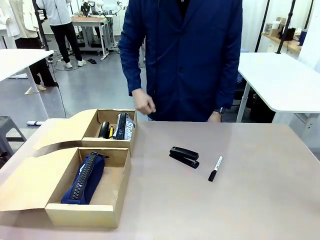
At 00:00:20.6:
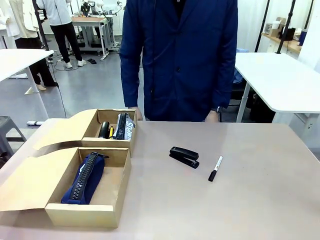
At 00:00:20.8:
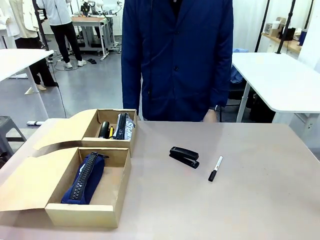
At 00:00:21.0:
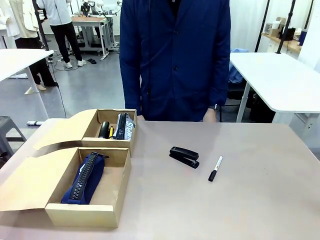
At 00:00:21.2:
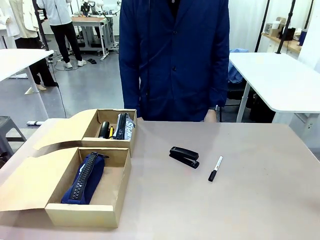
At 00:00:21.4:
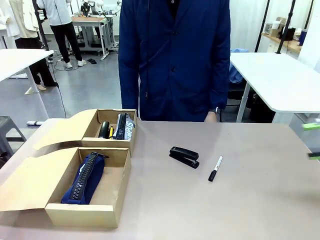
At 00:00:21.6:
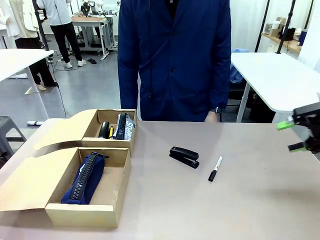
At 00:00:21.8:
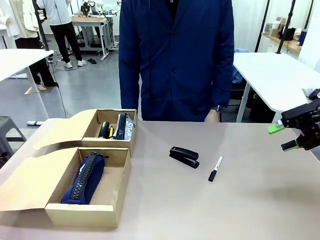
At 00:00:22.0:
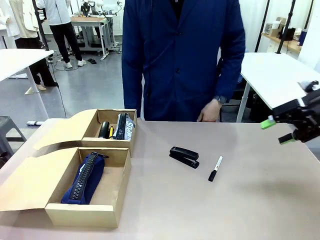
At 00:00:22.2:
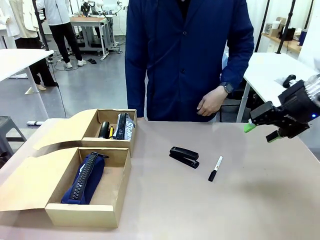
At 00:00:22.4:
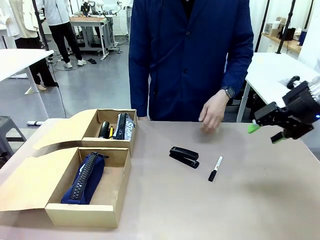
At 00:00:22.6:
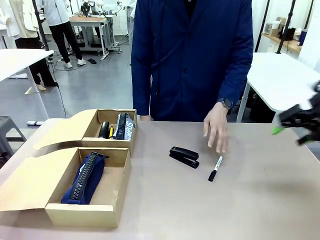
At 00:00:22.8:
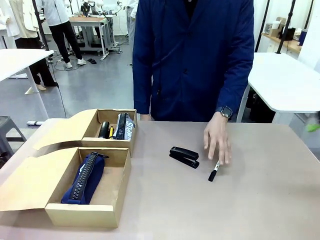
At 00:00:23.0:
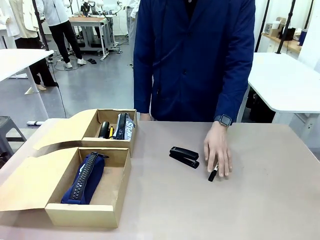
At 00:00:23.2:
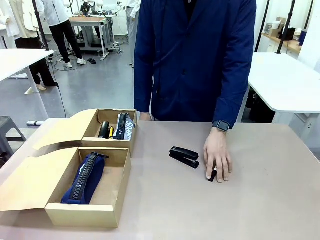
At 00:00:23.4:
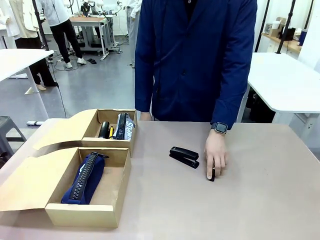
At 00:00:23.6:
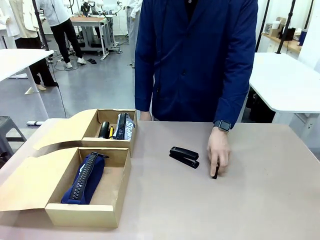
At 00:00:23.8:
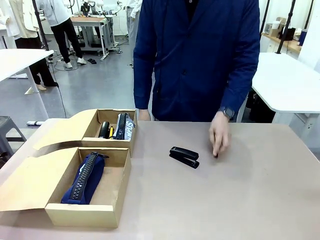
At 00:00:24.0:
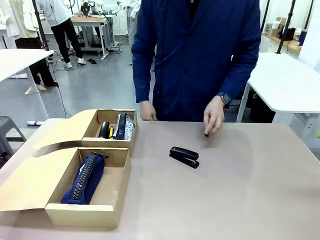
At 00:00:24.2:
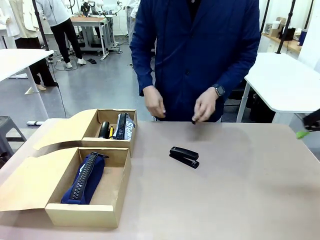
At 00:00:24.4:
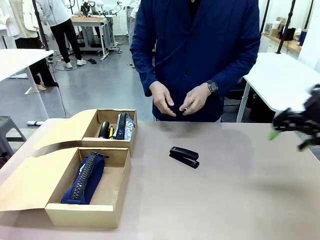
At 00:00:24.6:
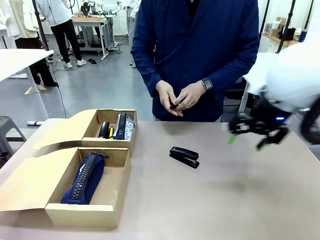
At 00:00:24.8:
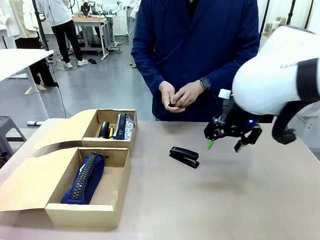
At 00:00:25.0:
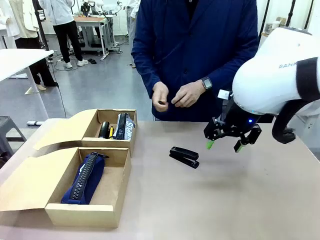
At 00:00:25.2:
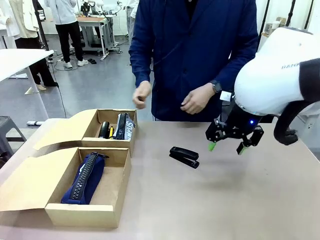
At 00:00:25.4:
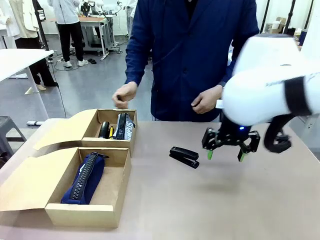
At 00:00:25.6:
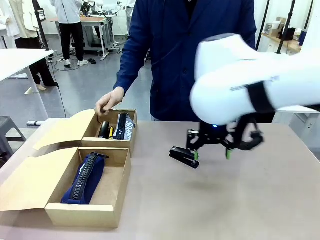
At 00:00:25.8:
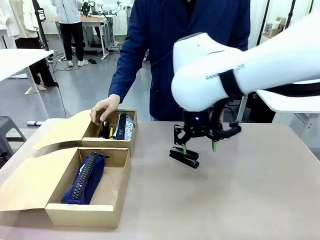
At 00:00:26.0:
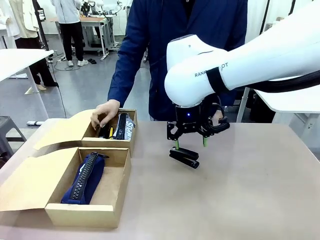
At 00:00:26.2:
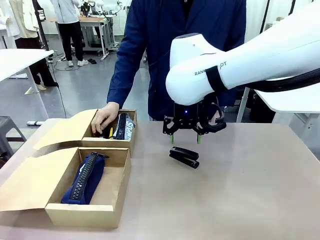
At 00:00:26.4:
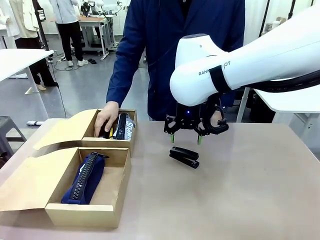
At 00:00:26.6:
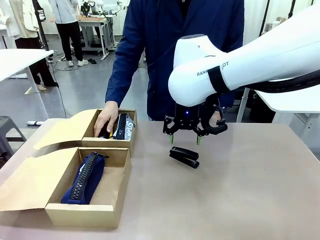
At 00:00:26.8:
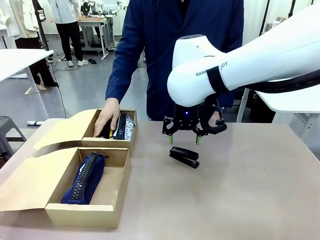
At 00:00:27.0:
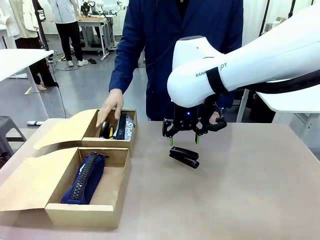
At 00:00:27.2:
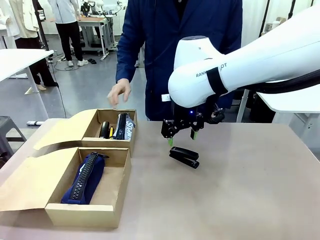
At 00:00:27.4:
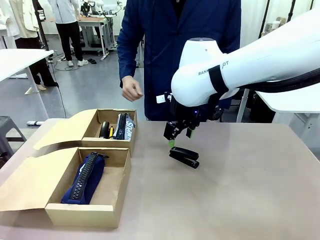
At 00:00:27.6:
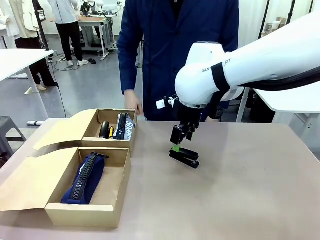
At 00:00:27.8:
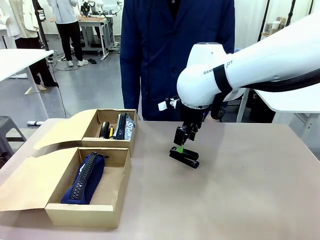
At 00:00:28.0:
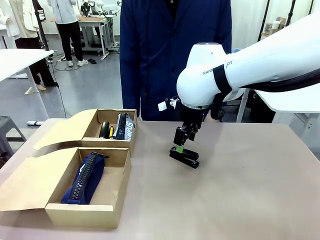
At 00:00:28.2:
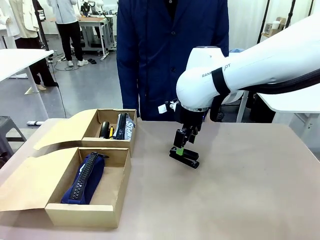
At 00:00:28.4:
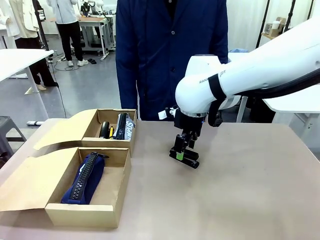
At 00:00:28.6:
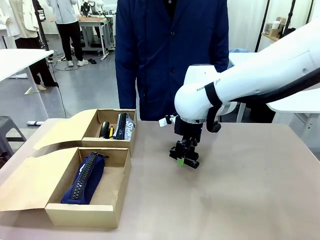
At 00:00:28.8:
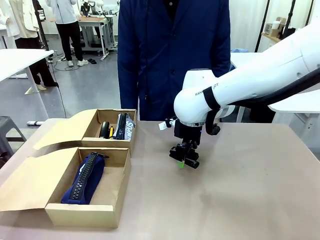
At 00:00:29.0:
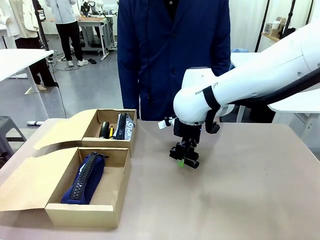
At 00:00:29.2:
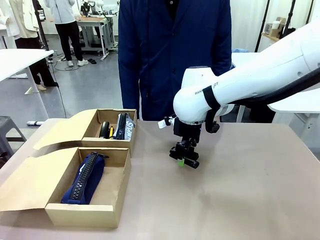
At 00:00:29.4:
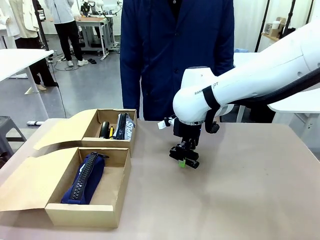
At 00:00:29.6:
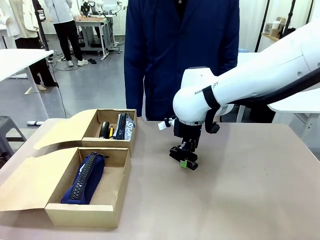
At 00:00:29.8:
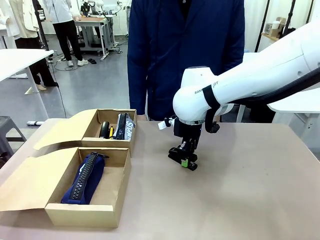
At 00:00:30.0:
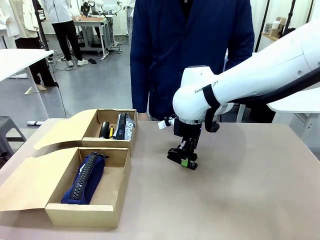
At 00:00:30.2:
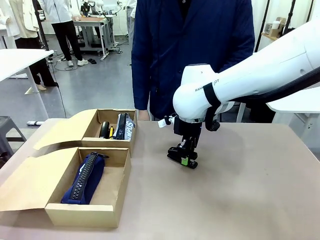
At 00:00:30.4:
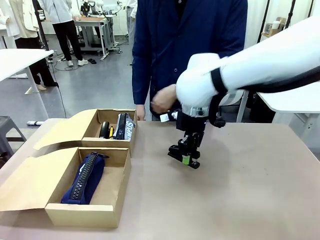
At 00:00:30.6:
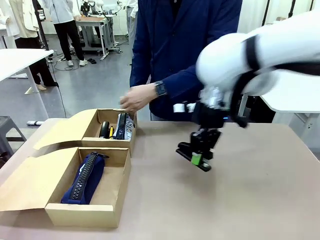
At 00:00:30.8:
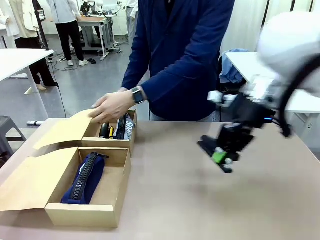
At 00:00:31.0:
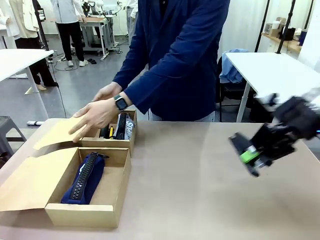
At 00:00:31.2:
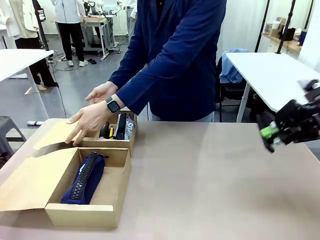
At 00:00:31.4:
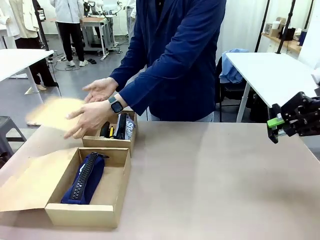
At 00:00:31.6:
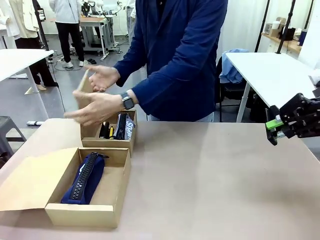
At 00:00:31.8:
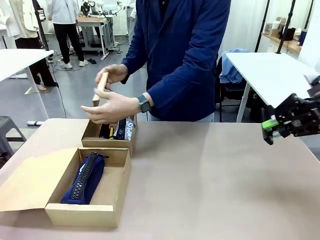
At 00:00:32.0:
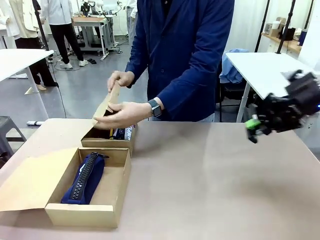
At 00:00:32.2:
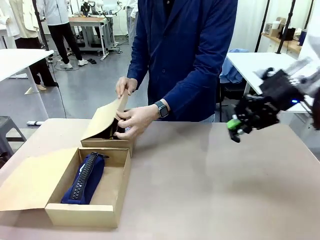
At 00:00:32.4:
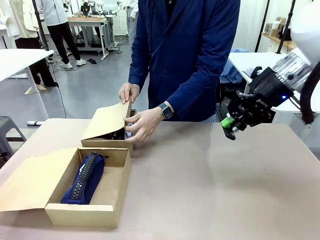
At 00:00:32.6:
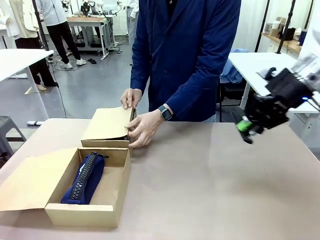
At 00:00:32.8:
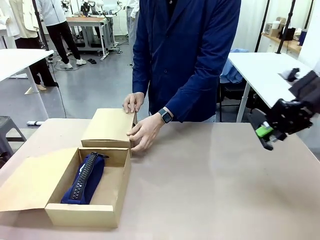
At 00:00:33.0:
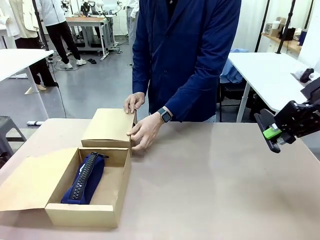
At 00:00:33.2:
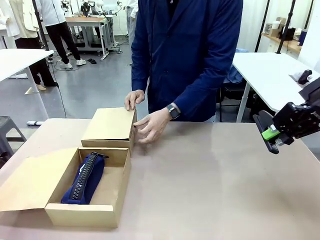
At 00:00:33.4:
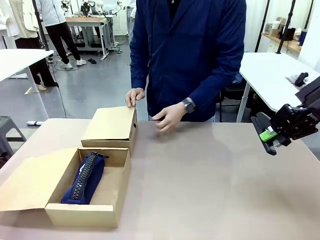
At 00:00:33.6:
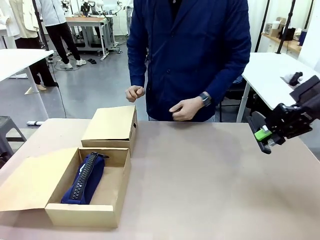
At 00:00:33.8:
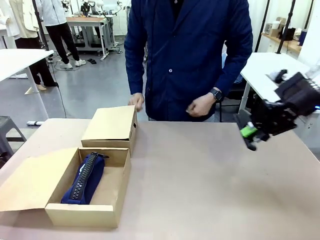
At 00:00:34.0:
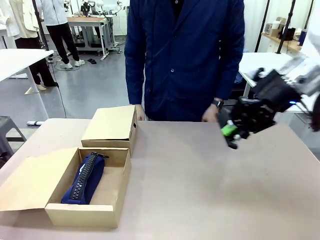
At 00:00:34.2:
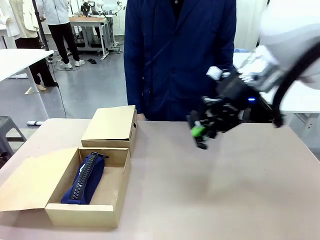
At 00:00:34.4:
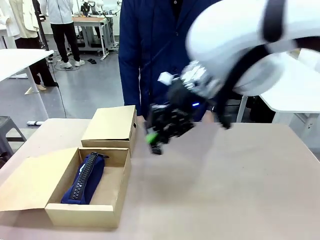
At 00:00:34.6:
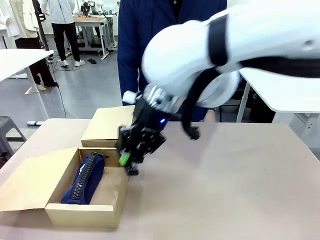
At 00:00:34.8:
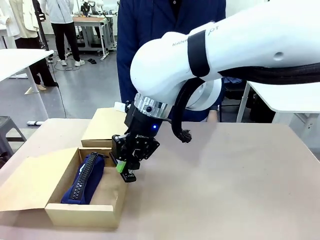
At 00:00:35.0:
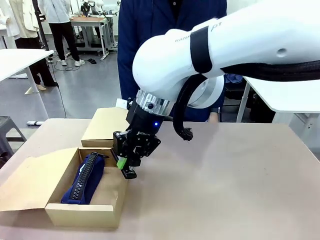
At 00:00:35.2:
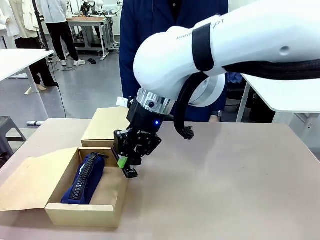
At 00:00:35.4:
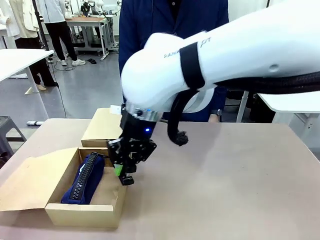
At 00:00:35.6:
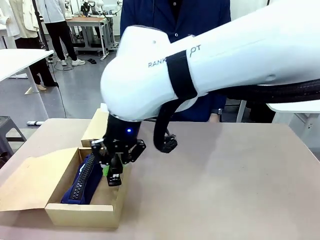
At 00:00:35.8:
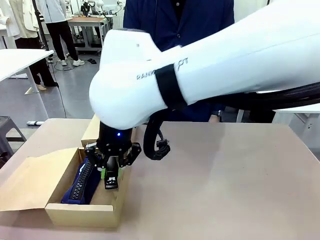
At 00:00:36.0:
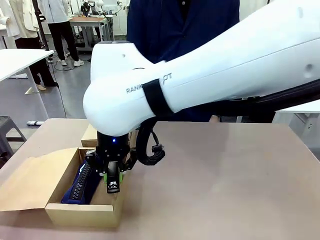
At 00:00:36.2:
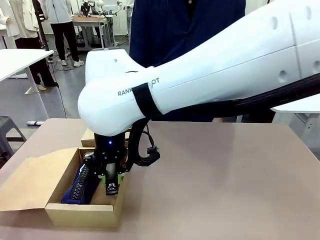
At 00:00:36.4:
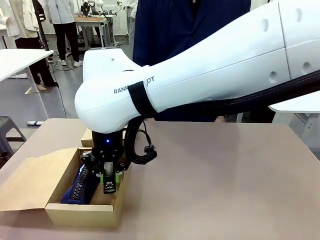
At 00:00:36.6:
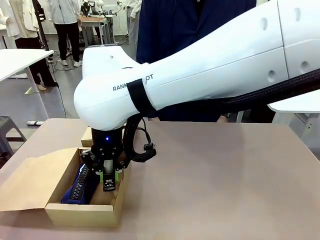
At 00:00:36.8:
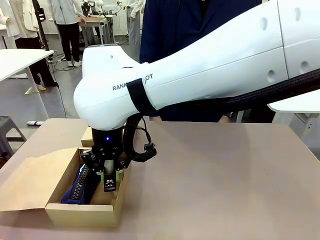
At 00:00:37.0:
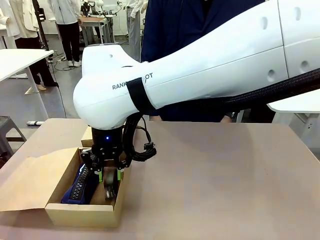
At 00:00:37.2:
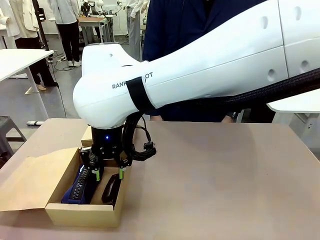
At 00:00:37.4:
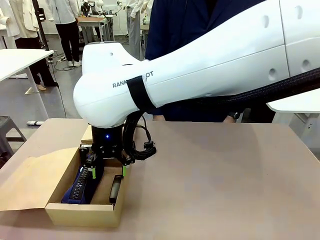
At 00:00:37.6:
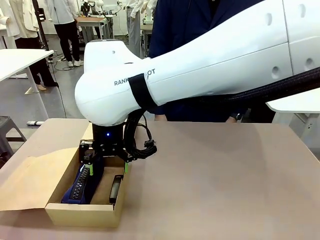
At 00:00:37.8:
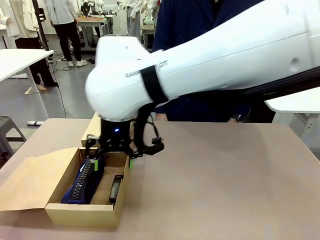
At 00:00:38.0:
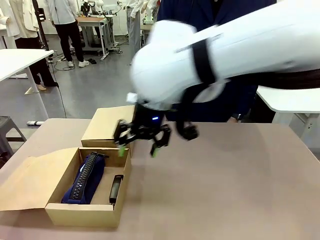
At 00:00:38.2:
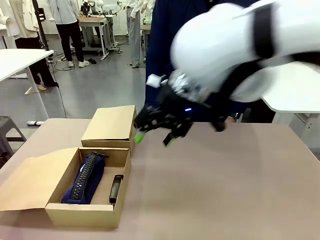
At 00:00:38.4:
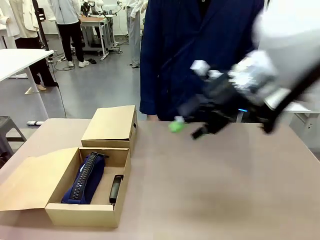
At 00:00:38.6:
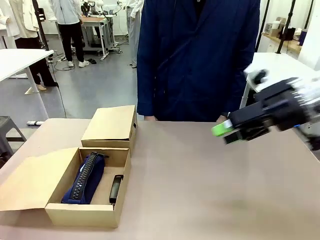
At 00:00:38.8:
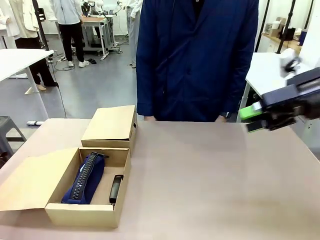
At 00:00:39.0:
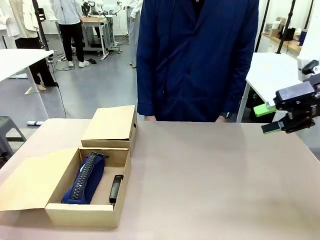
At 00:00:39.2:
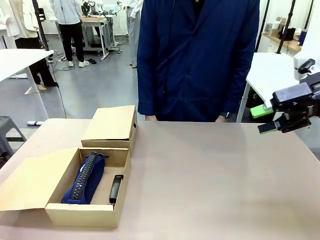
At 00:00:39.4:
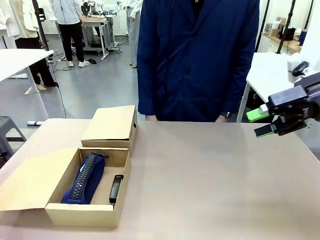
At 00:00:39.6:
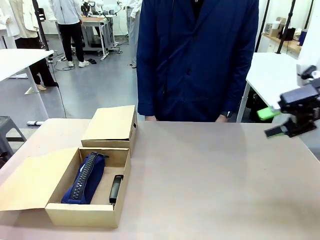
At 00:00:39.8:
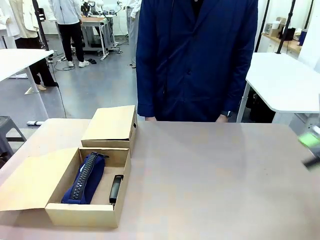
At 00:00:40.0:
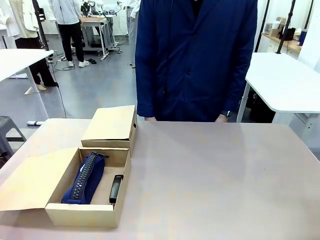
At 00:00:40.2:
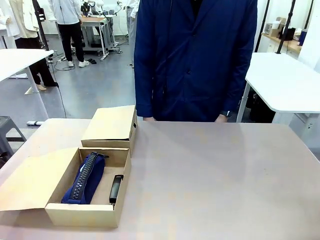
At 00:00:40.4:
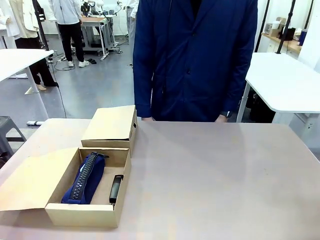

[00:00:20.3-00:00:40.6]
Task: Place items inside the box.
Robot: Pick up a Pencil pouch or Stapler and place it inside the Mailer Box closest to the robot.
